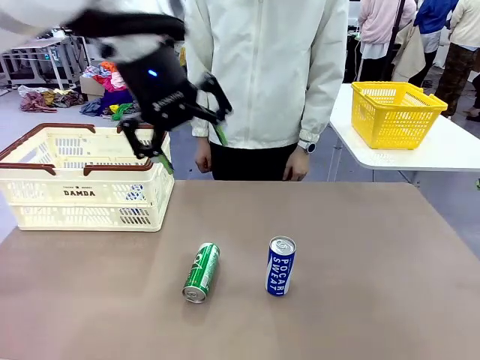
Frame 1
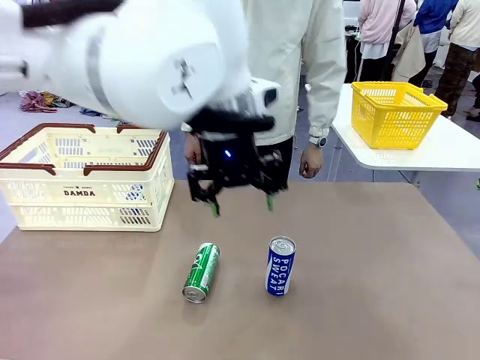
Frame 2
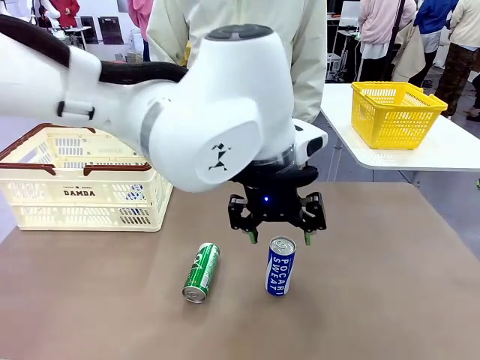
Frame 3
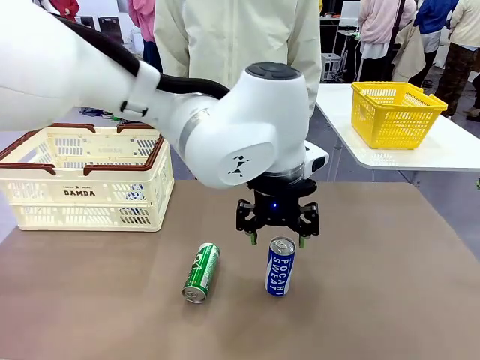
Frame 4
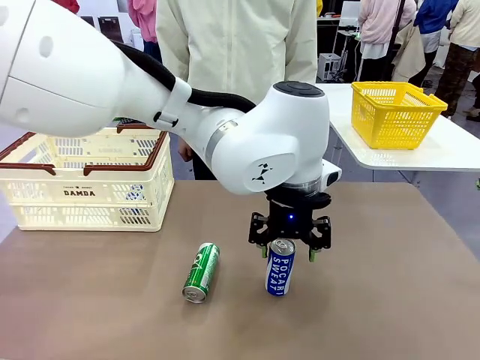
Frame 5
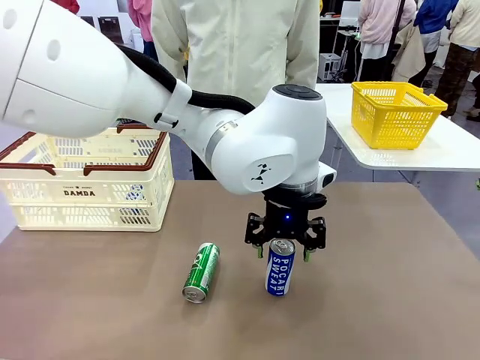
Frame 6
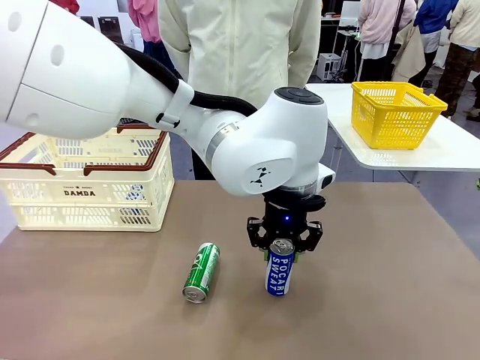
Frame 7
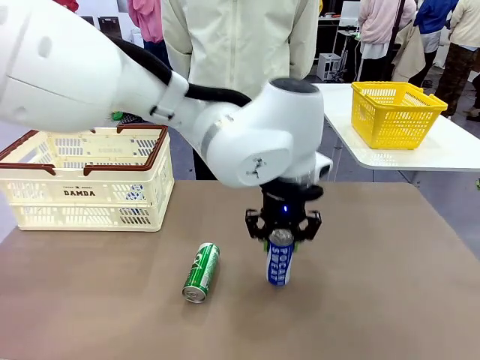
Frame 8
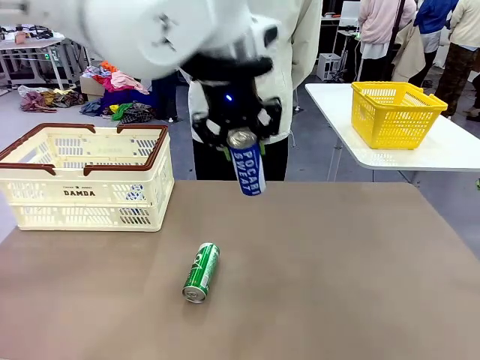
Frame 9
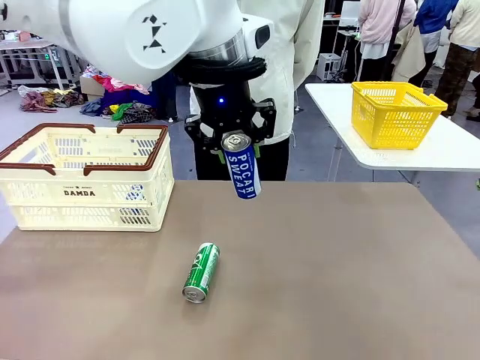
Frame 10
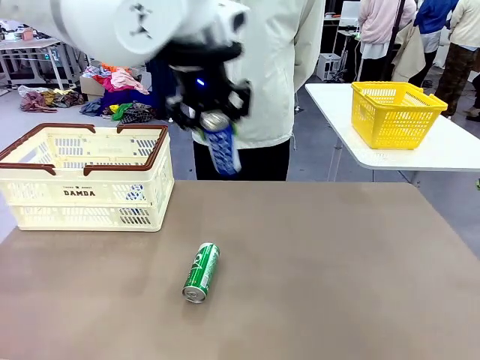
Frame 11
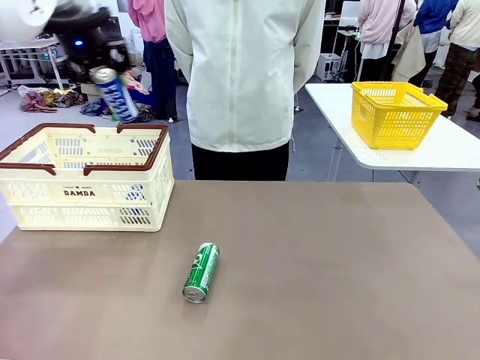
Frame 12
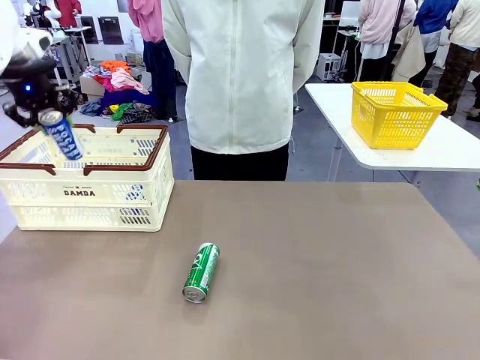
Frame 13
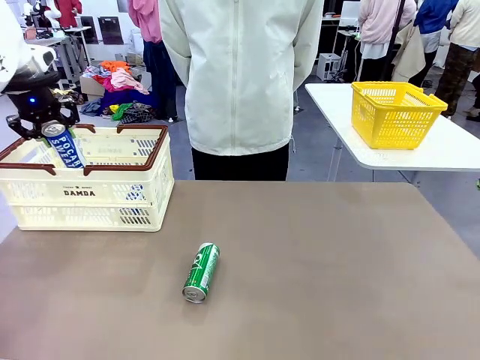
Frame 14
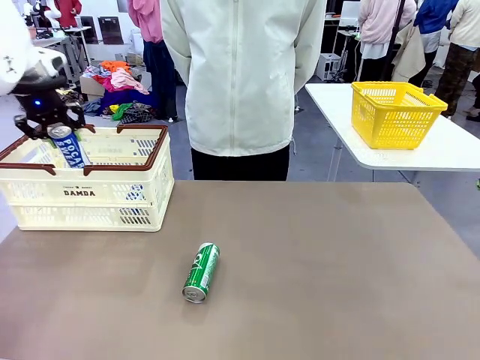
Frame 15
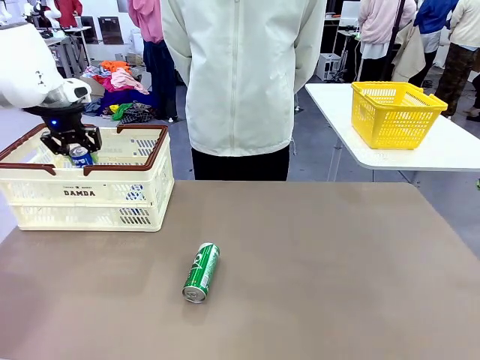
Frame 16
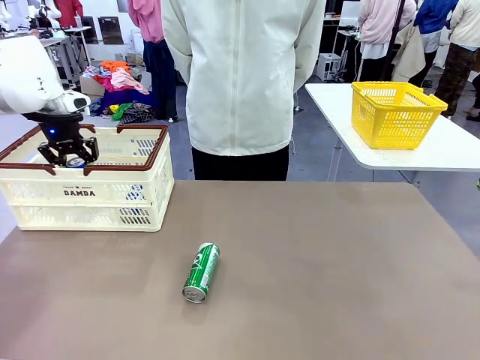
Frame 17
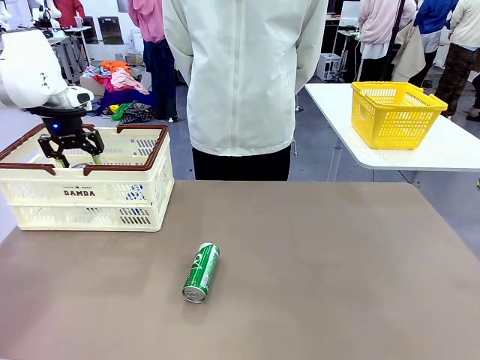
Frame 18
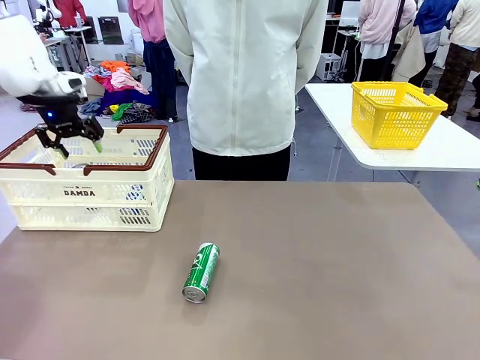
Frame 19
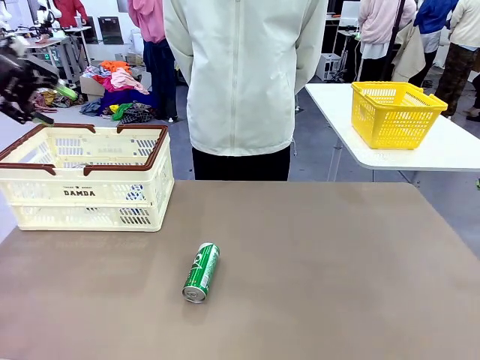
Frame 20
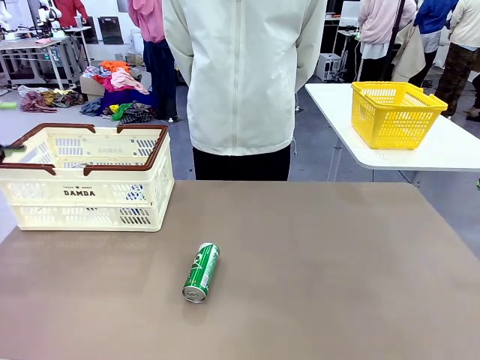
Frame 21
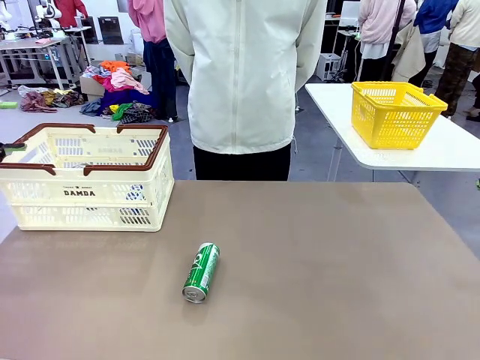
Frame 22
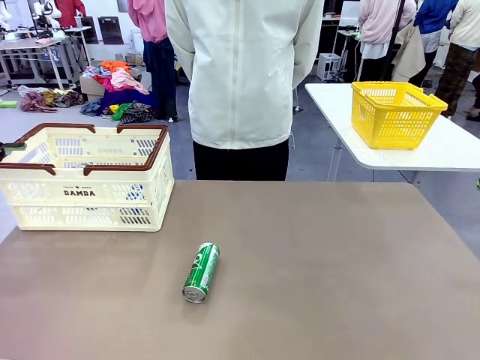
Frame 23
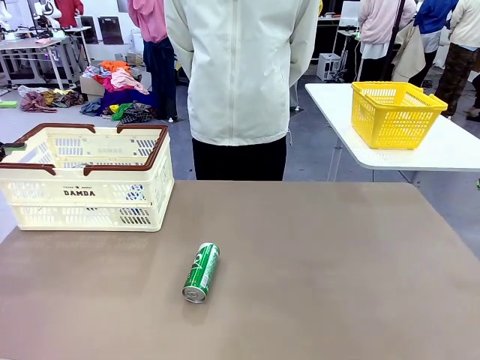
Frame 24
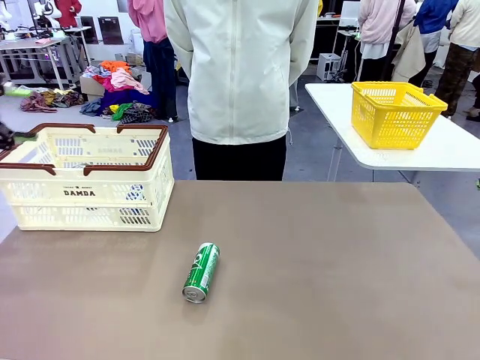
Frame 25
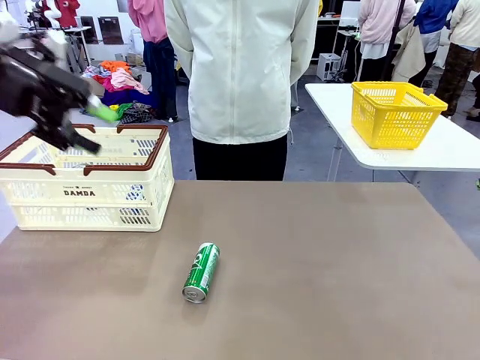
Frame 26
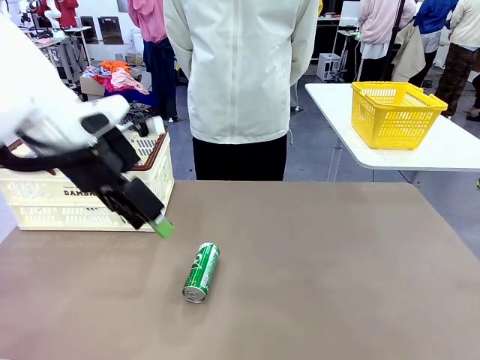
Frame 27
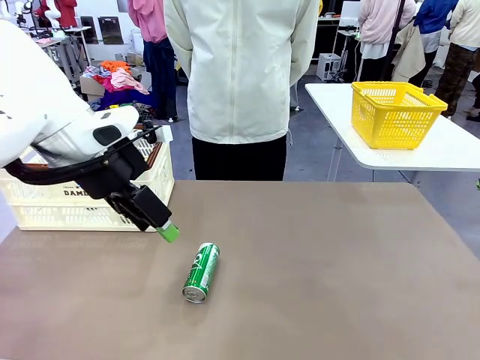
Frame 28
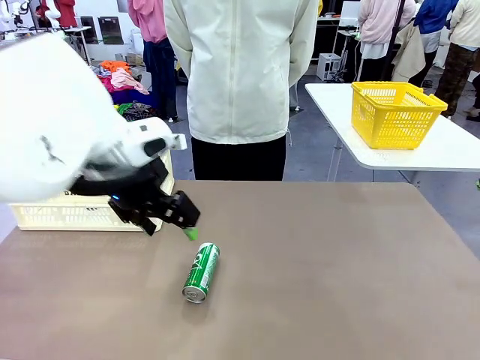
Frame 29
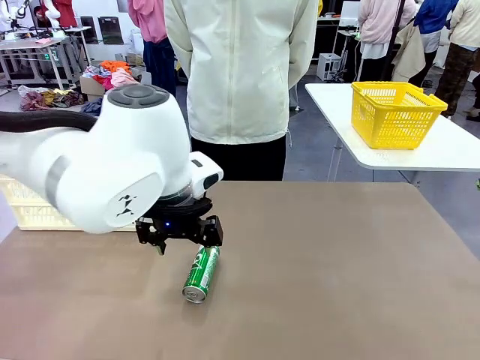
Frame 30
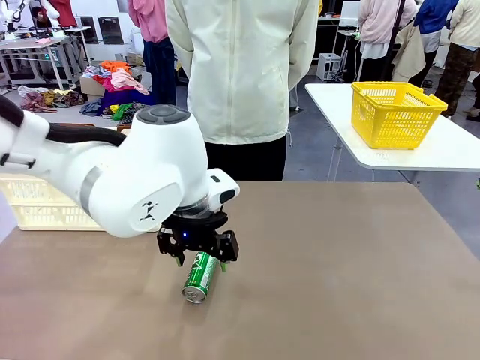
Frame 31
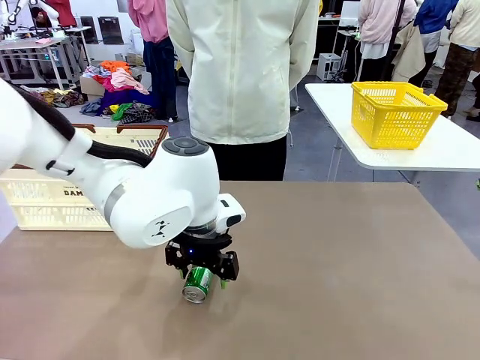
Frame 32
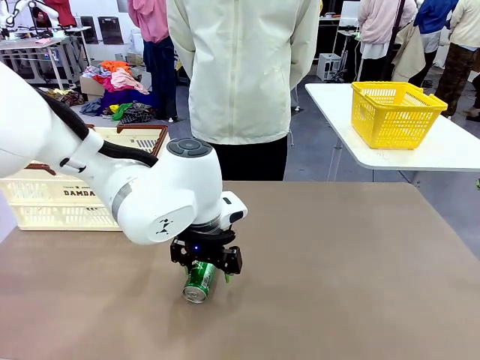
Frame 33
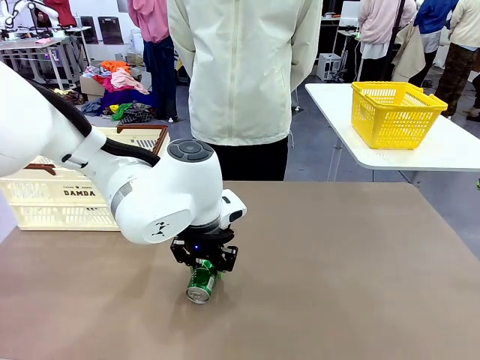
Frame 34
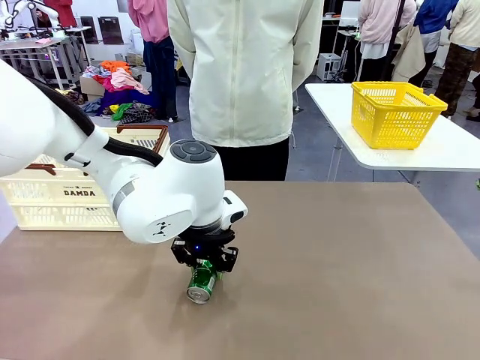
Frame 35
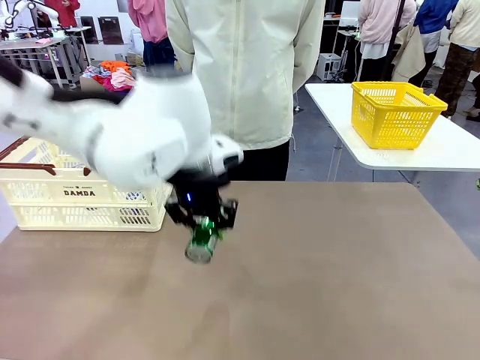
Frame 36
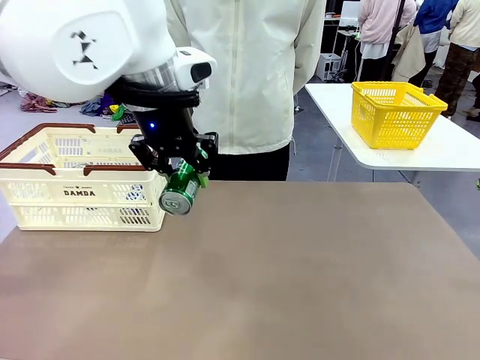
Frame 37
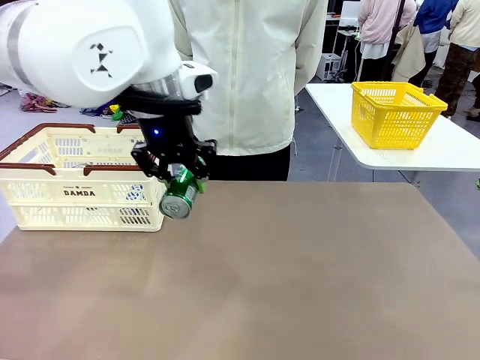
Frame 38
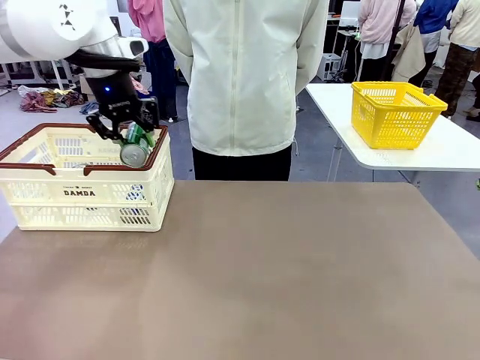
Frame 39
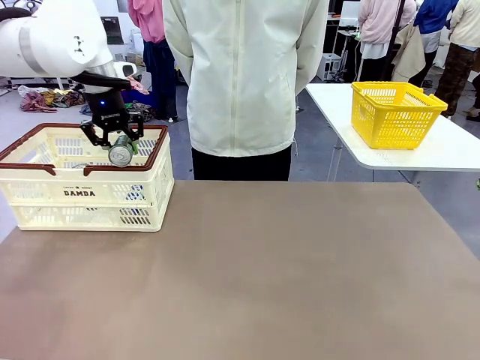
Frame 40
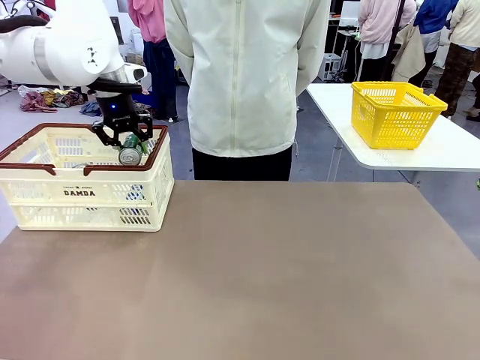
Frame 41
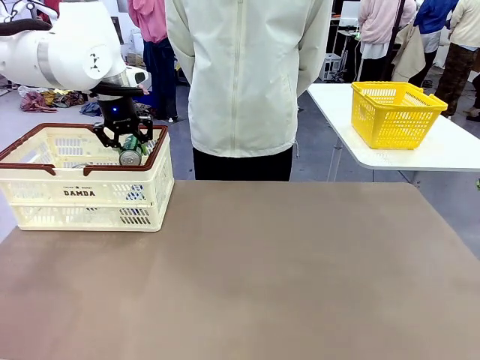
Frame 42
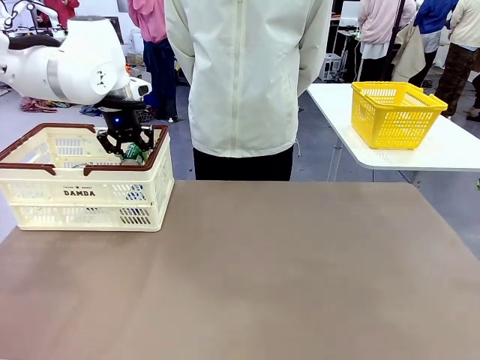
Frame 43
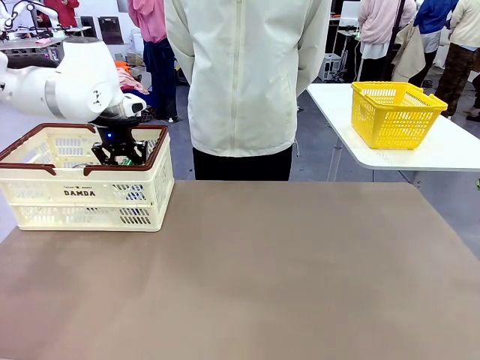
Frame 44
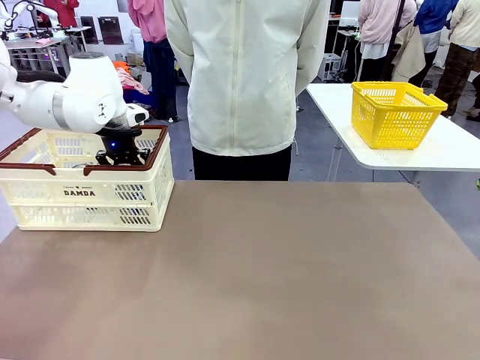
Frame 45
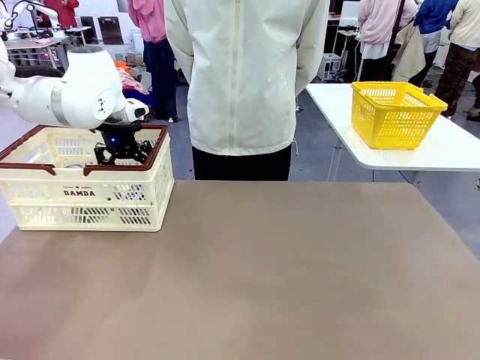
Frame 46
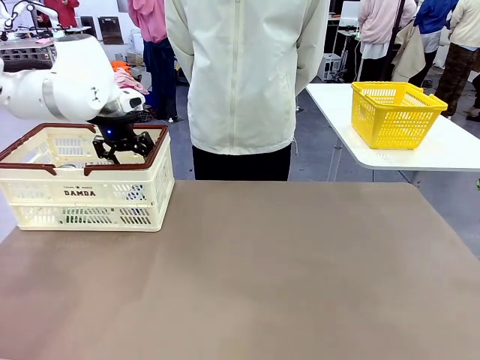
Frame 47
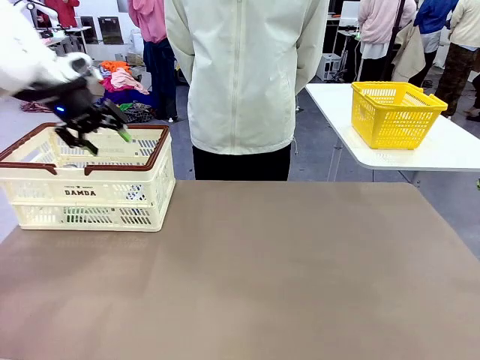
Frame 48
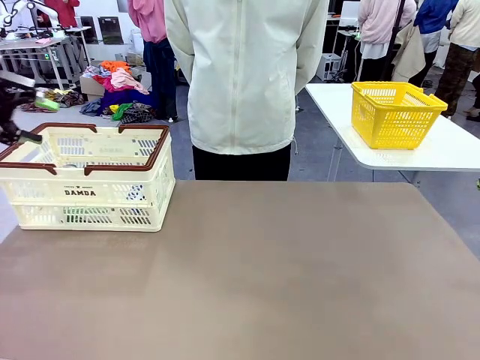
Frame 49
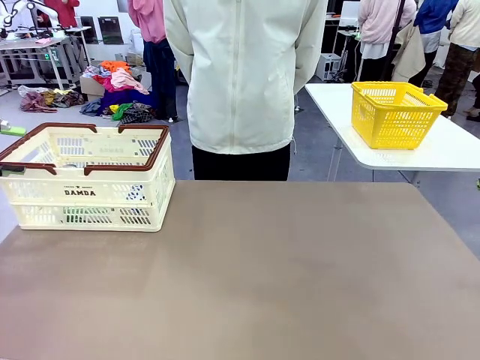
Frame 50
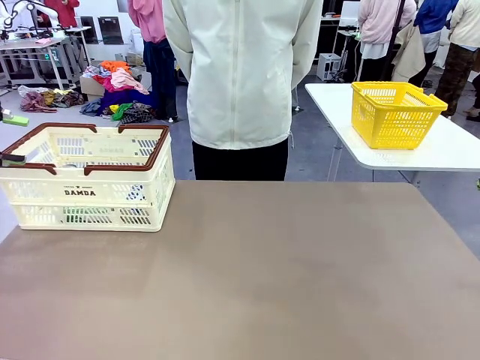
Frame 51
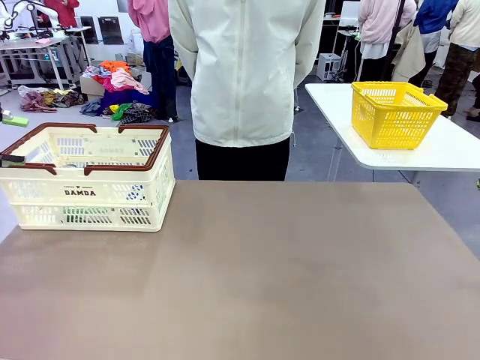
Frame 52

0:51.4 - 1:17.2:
Task: Place the drinks into the Shopping basket.
Robot: Pick up one drink and place it into the Shopping basket.
